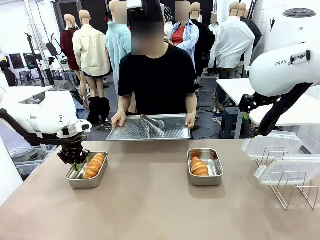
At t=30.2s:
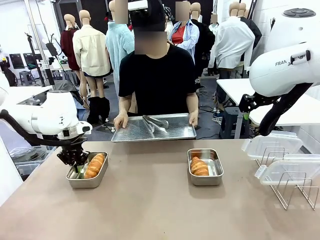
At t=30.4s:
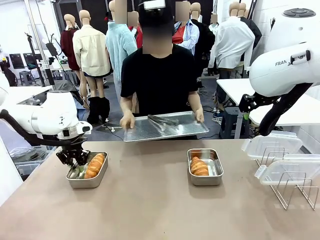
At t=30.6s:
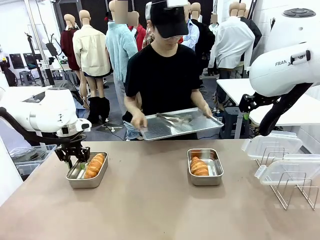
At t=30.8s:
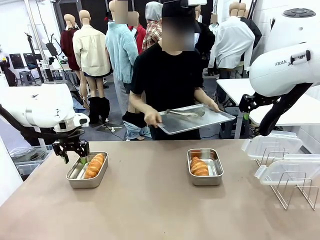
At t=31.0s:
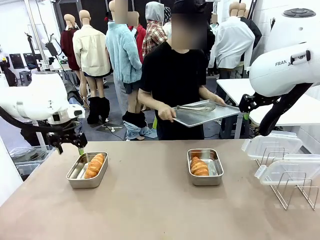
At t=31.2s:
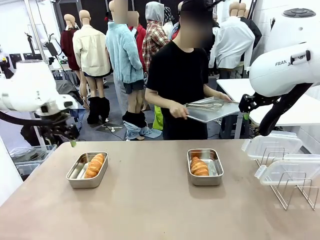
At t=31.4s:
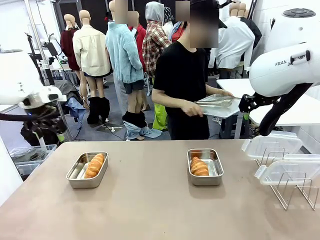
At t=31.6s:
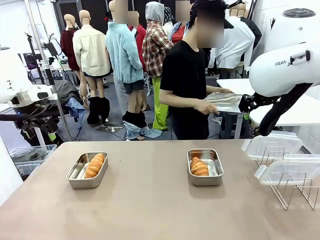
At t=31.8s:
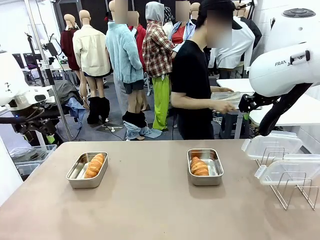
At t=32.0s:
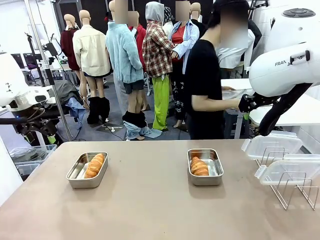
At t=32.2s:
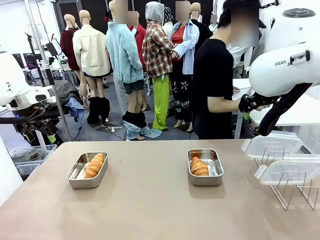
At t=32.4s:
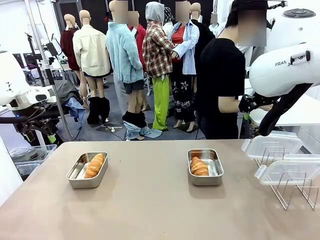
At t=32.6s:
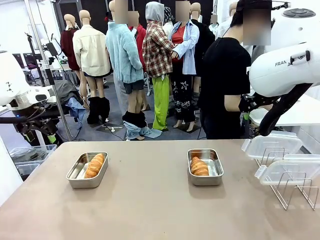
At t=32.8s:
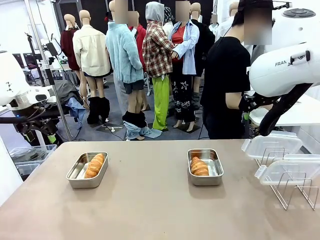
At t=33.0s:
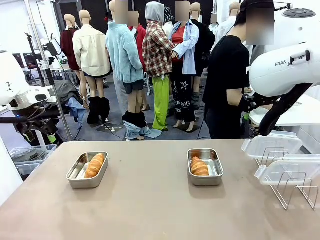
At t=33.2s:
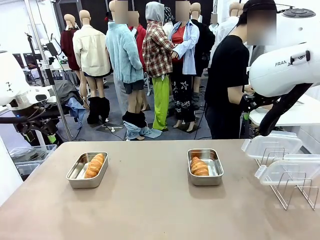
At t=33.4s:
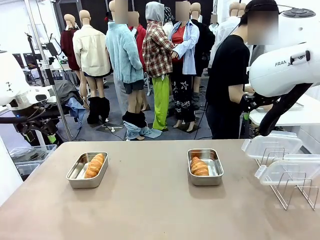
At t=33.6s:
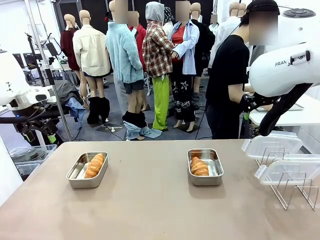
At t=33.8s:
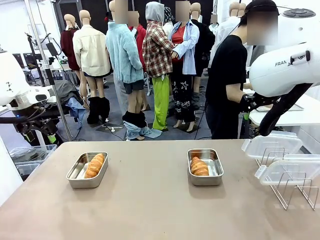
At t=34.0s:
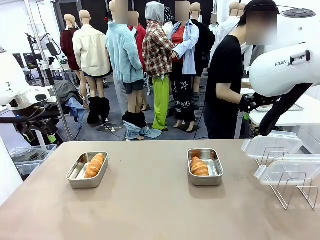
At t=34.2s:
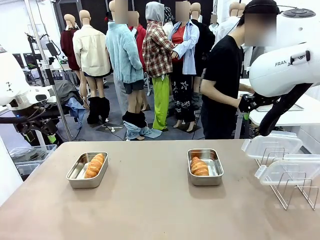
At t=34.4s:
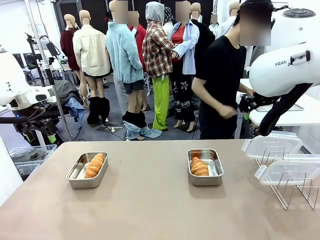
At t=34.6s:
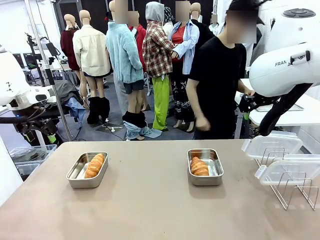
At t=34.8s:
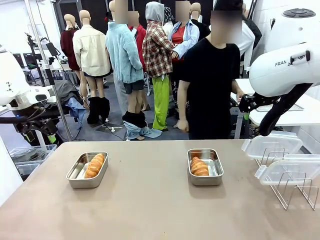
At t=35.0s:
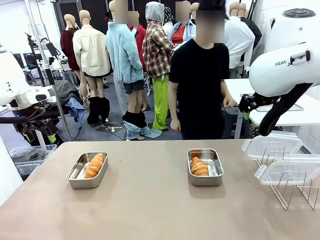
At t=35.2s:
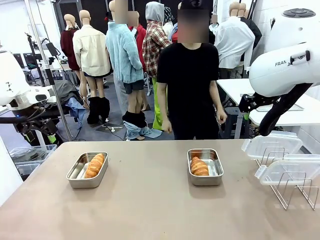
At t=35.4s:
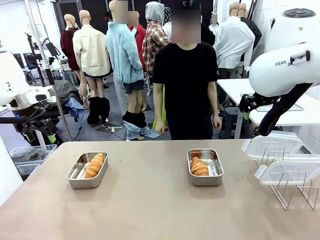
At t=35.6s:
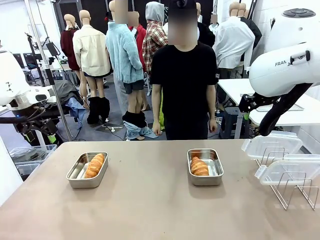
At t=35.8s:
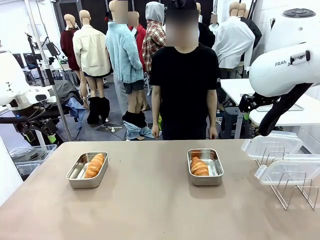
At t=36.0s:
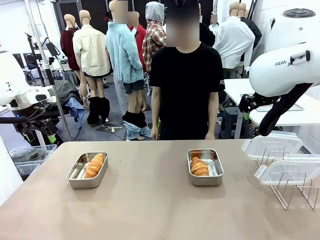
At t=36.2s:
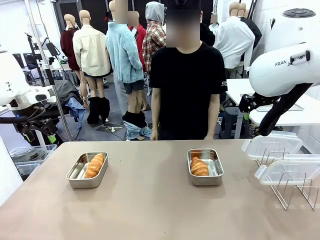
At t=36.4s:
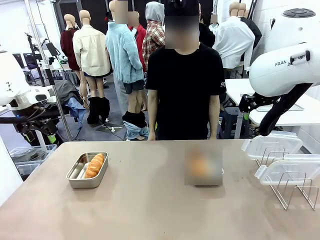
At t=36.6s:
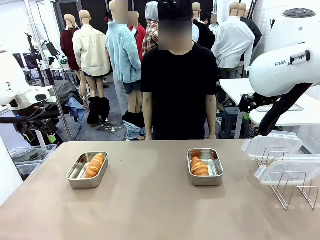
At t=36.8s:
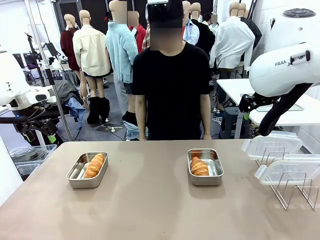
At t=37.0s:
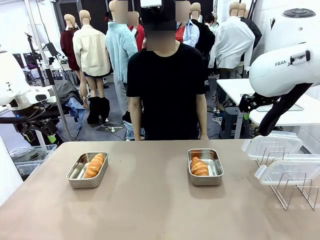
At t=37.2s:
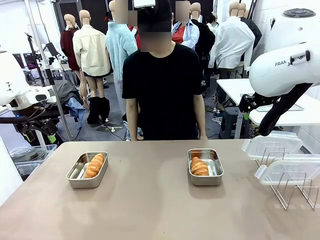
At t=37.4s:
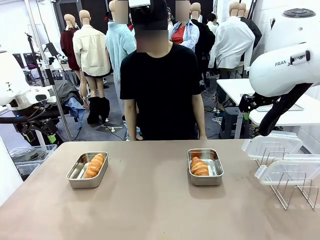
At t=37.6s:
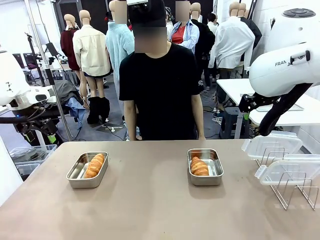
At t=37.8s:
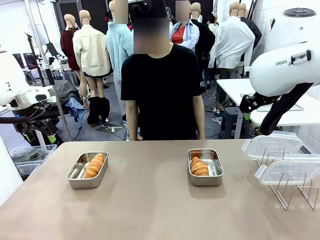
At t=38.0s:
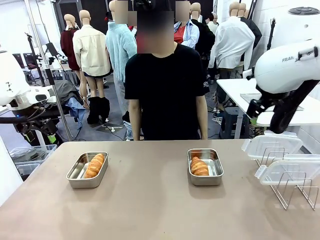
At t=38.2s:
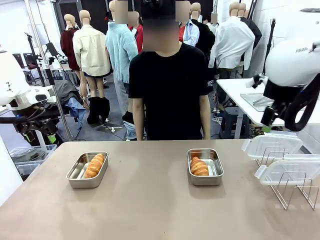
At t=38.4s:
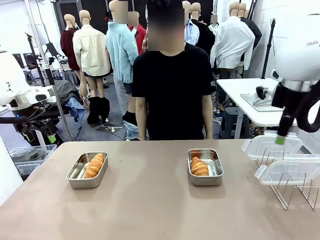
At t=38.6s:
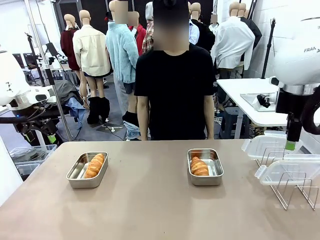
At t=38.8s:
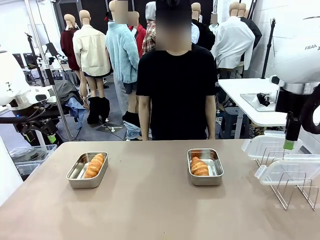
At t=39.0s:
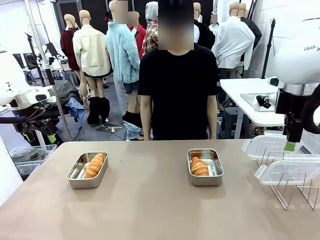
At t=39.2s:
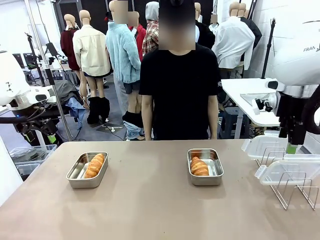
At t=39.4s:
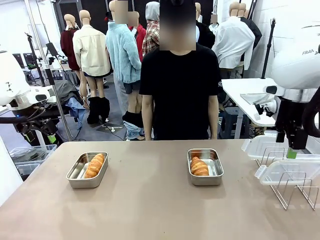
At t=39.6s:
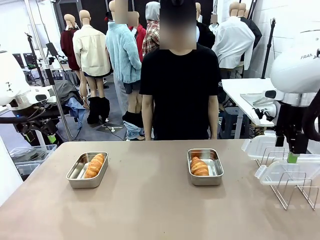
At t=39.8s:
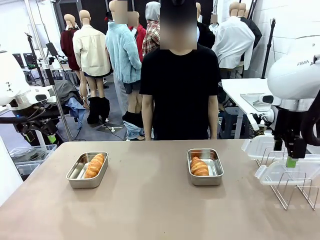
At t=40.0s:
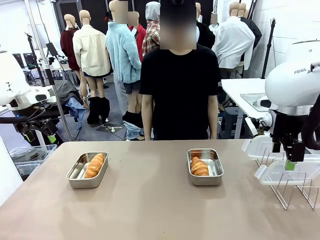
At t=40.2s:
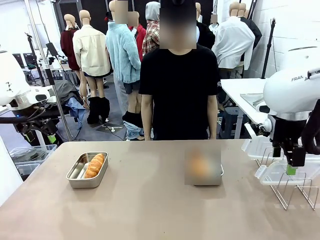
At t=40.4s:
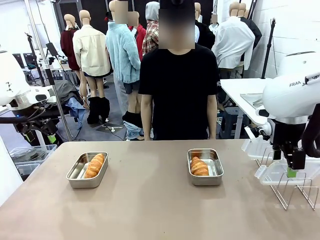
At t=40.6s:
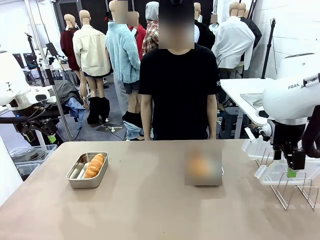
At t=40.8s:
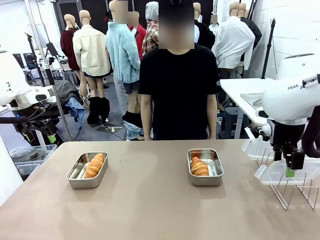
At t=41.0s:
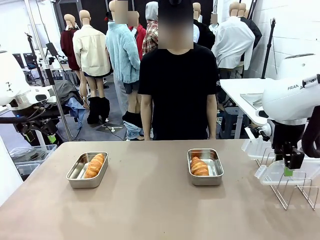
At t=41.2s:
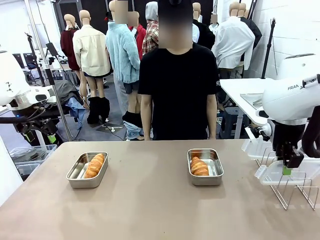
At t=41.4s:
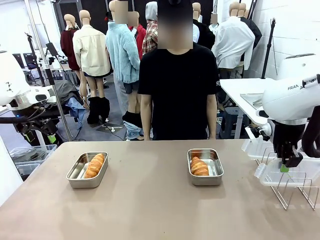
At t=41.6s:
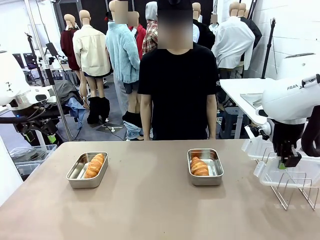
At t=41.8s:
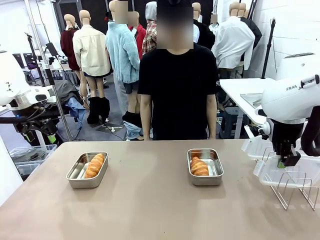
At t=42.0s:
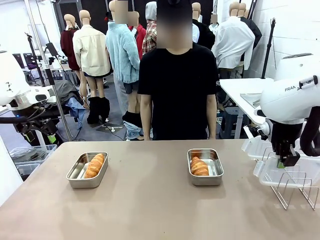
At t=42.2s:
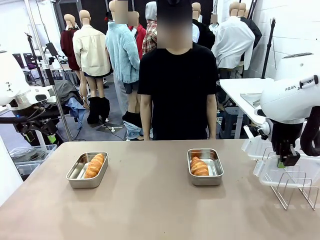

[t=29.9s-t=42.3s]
Task: Place the bread in airtight containers.
Robot: Pick up one Airtight Container lid and hand it to the human.
Person: Place Baking Sheet on the Human's Table.

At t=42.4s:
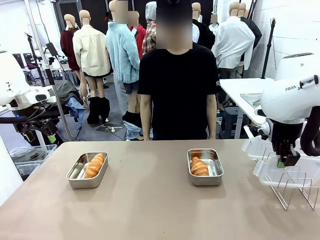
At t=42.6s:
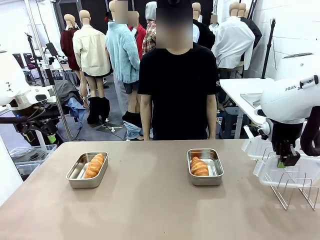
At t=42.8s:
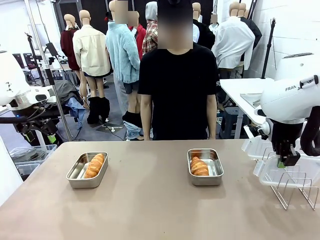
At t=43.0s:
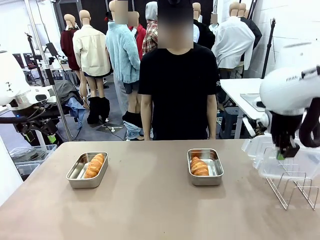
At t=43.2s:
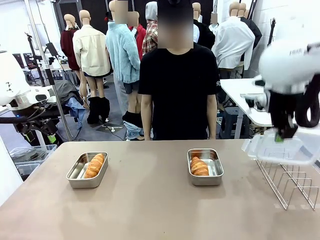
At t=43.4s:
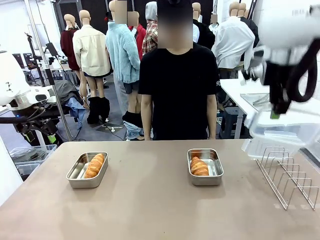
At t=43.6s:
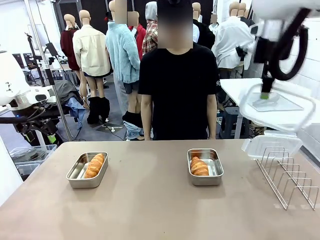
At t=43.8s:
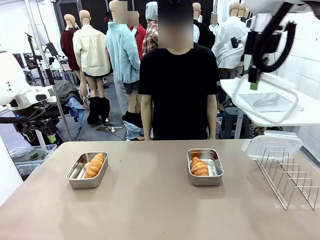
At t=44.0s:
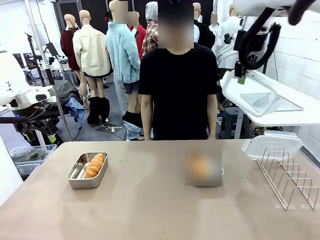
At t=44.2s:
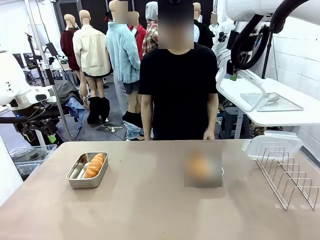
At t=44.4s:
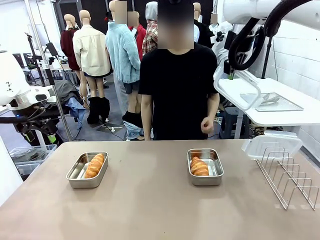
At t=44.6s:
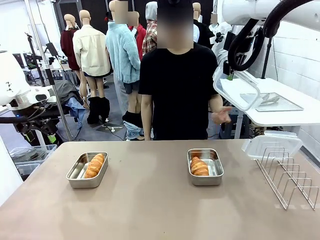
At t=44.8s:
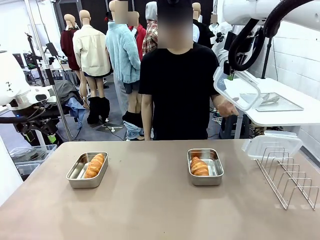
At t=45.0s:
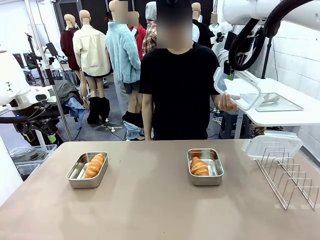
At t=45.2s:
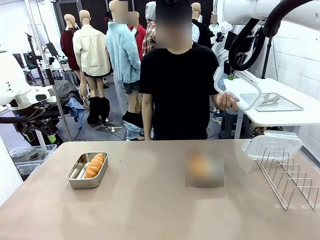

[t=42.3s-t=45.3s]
Robot: Release when the human grabs the Airtight Container lid.
